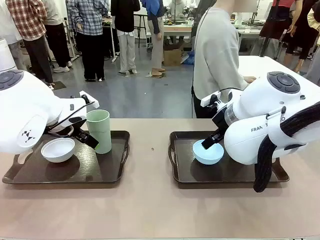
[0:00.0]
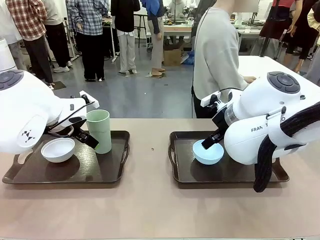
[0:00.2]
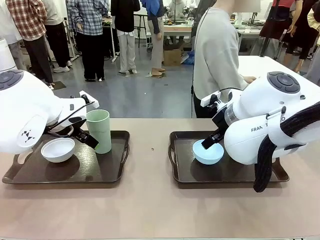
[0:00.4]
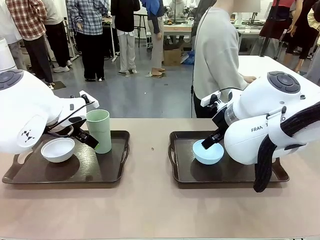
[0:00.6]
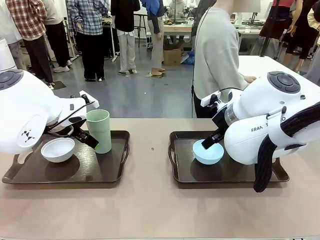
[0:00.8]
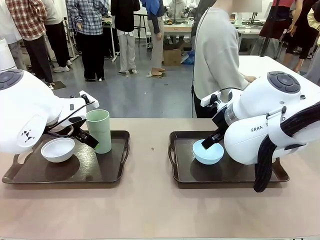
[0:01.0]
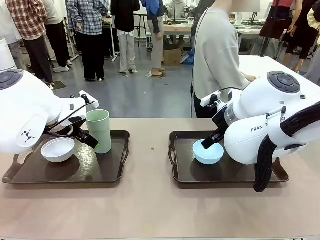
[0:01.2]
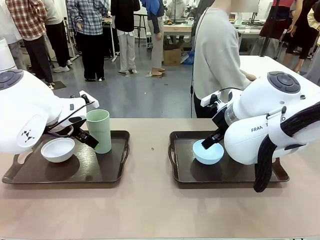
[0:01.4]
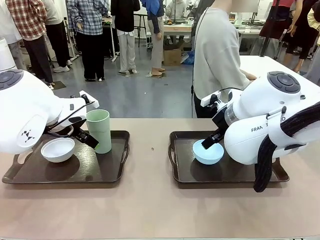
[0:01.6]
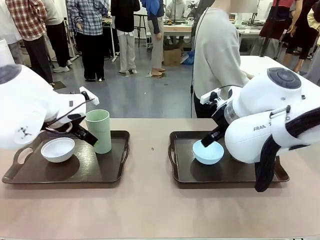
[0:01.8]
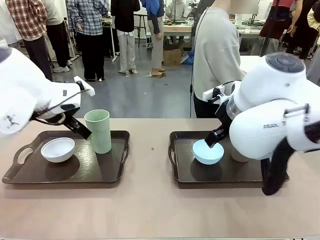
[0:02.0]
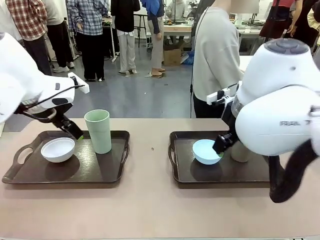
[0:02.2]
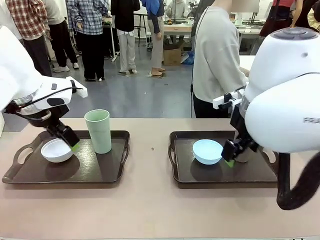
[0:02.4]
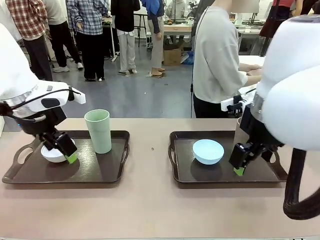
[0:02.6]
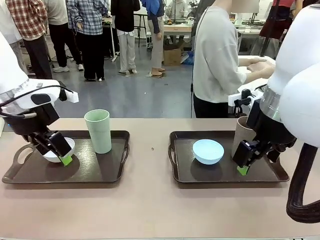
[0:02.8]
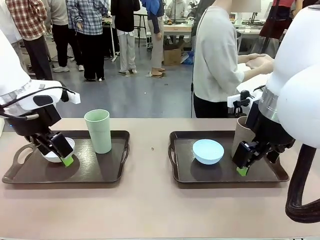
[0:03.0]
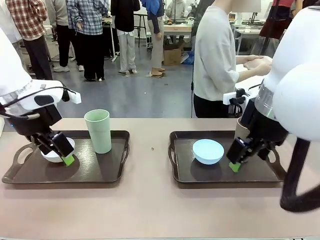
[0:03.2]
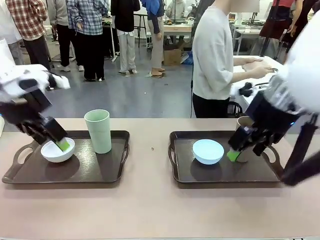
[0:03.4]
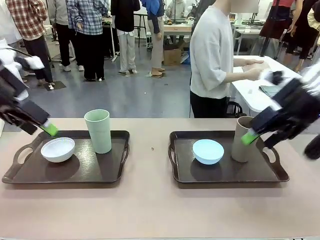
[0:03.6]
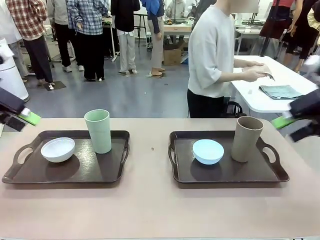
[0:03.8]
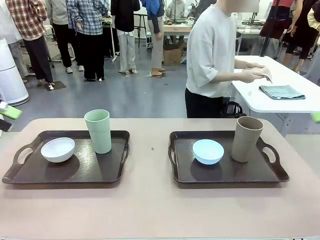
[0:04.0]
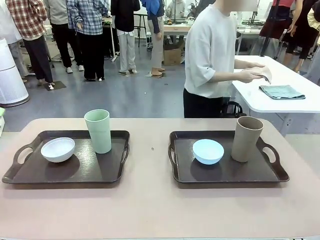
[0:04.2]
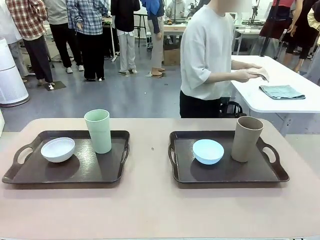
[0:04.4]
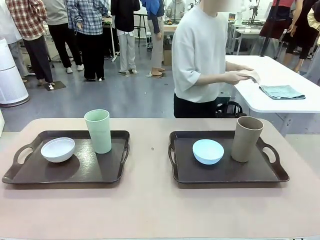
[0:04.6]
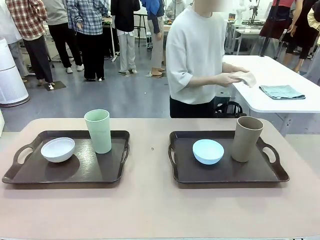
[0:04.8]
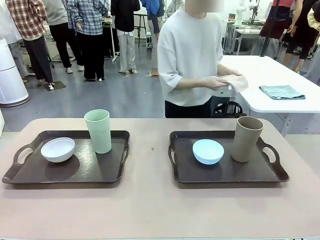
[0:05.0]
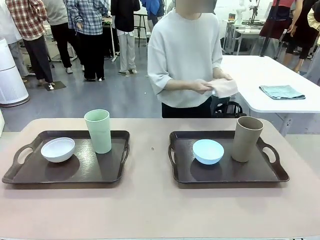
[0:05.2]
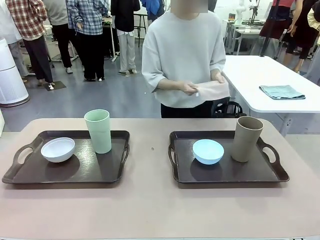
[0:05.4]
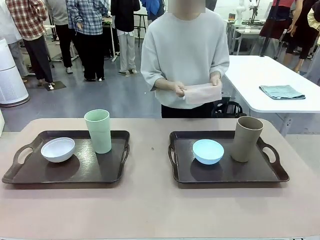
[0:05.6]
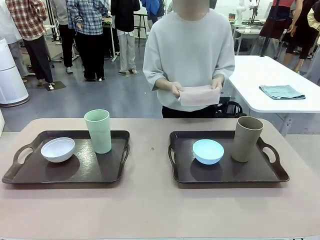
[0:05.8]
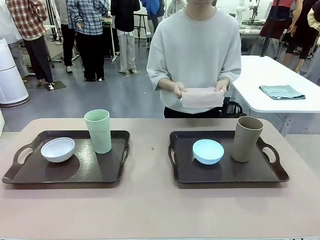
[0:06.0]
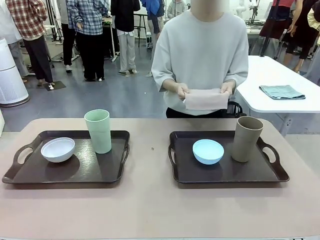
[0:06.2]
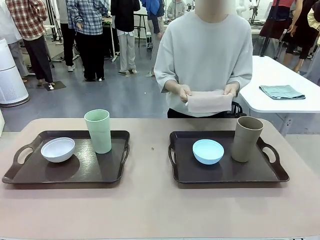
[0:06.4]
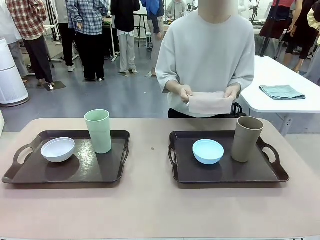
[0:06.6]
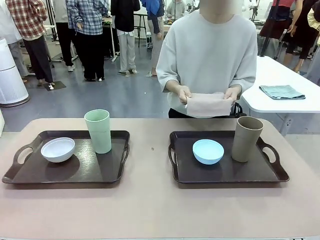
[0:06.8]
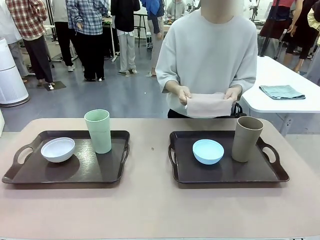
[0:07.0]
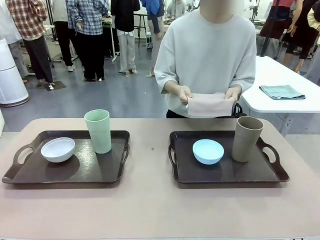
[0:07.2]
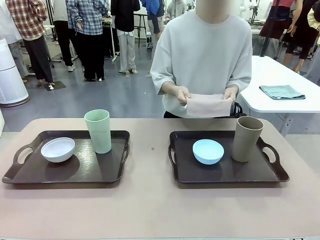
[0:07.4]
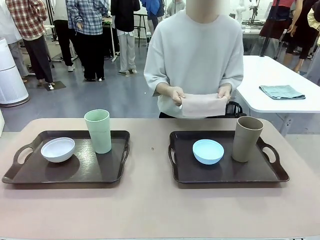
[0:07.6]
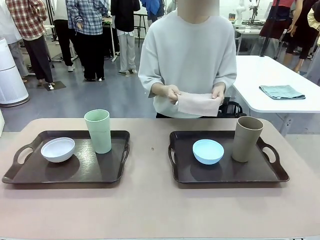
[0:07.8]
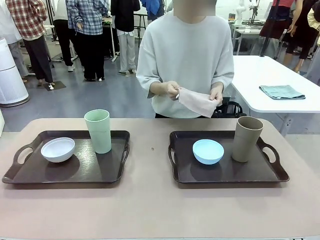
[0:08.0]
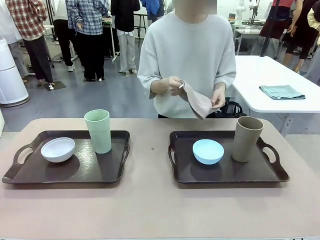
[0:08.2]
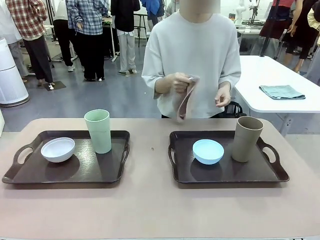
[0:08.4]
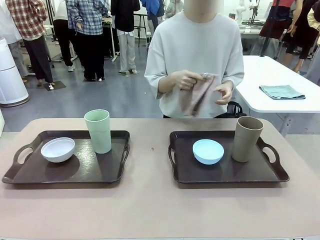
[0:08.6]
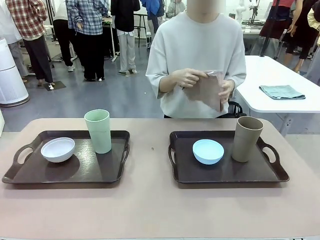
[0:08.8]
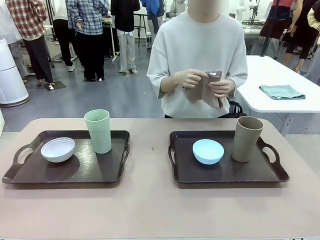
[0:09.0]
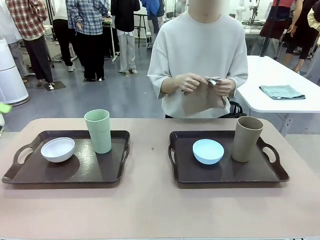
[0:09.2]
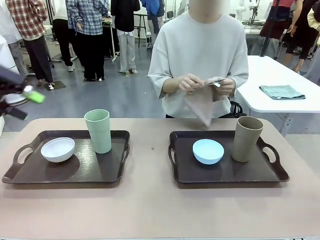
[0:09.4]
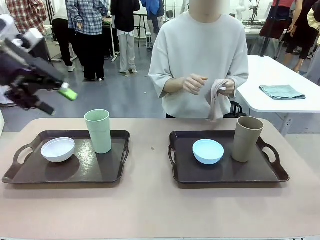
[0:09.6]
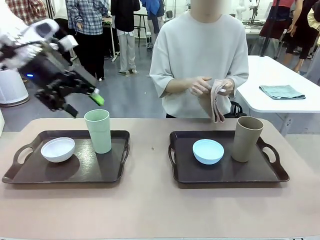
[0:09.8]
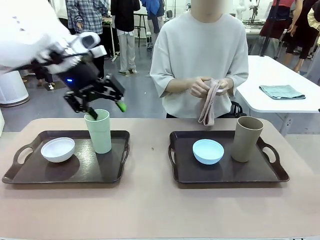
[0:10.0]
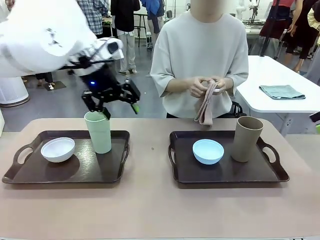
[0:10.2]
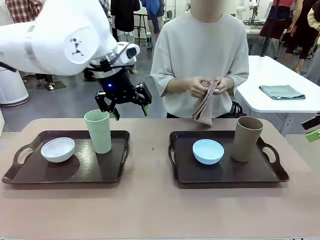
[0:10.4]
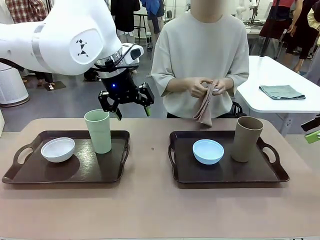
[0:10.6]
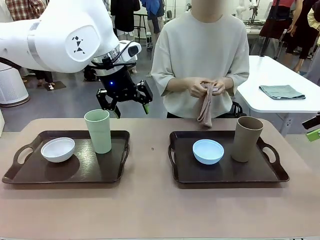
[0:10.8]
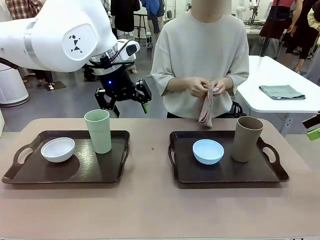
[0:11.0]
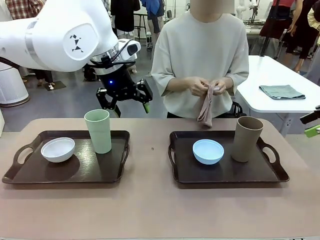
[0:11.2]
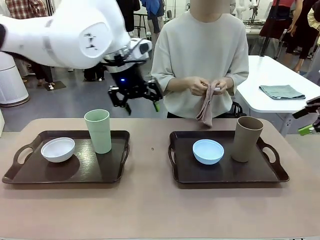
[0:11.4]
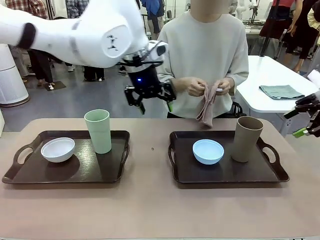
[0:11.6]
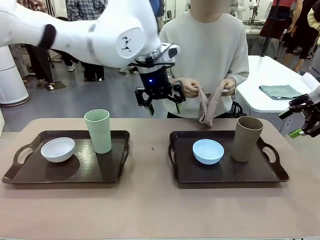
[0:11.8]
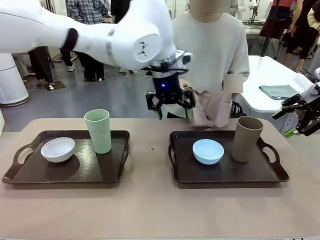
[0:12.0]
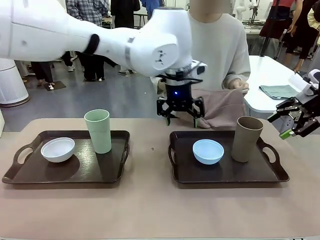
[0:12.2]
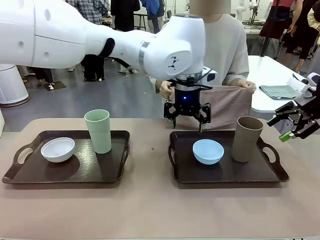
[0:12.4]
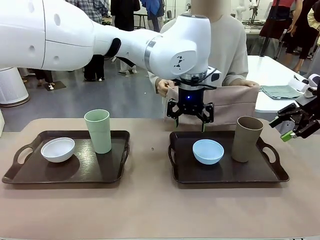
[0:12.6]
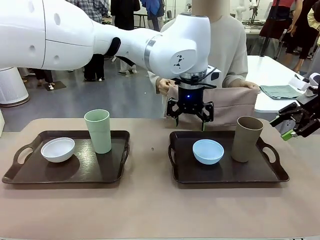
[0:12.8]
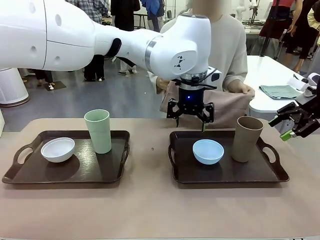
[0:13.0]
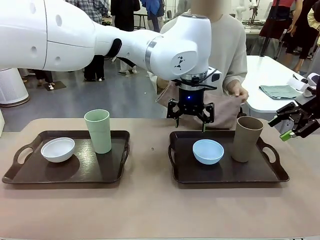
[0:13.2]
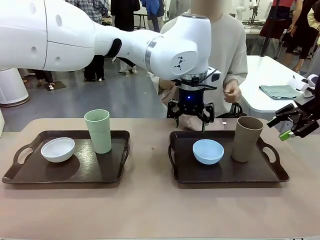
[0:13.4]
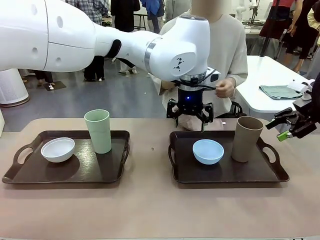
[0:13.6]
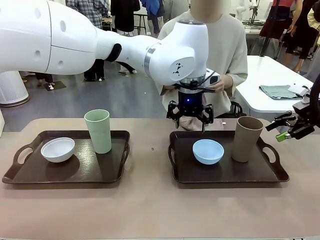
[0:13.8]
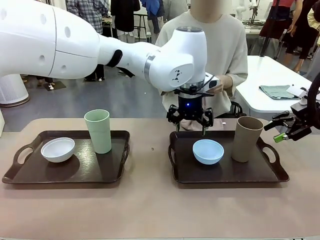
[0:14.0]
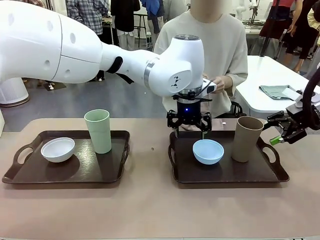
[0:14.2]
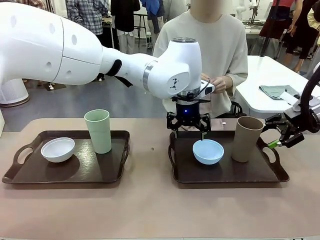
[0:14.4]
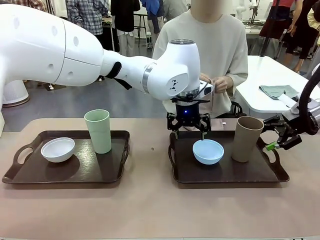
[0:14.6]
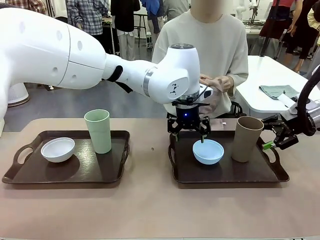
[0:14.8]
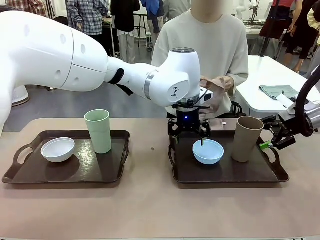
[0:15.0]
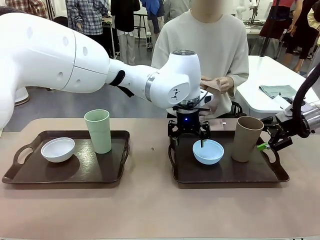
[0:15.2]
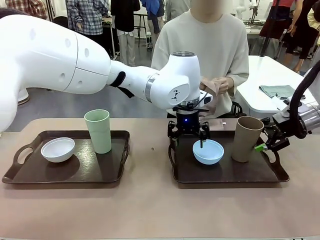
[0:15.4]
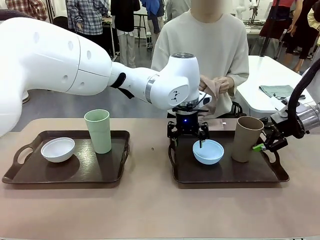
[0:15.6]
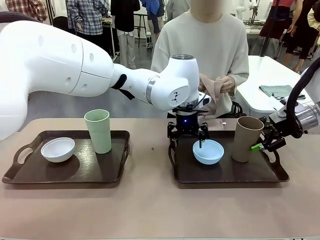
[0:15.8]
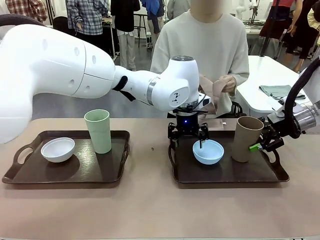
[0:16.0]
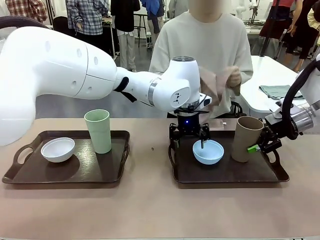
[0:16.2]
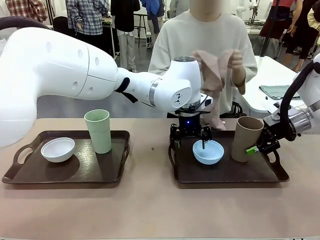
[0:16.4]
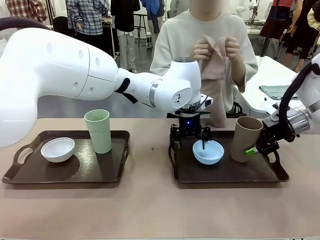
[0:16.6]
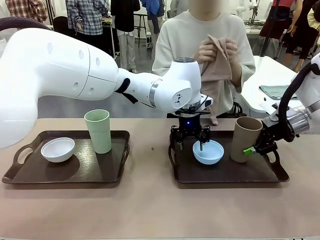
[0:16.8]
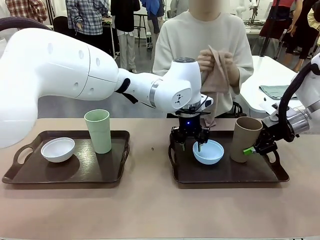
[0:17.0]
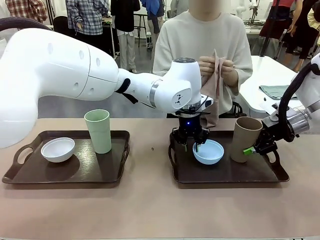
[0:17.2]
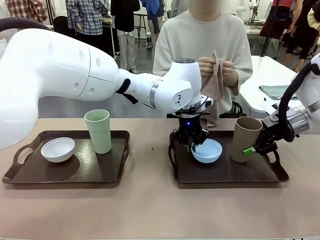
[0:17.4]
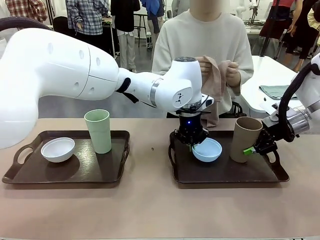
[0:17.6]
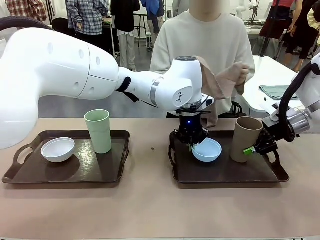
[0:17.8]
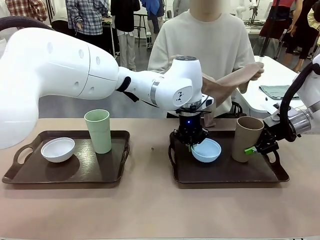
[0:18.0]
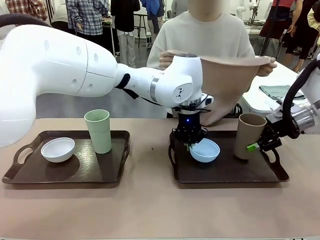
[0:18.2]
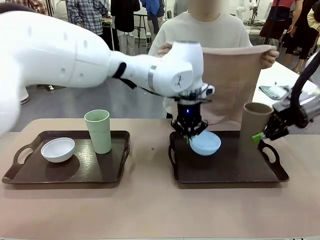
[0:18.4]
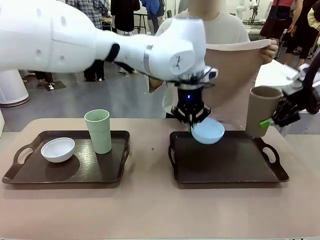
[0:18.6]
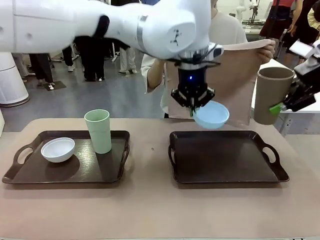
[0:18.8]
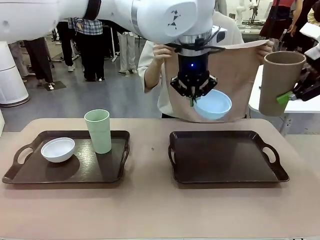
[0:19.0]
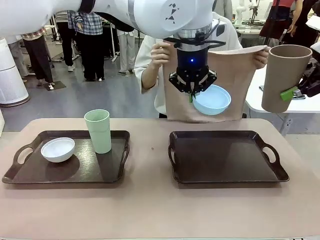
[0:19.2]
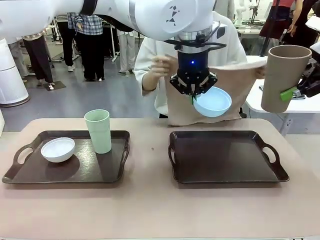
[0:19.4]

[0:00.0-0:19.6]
Robot: Pick up the Picnic Bowl and Reusable plastic cup from the Handle tray in front of the human's position and hold them in the air.
Person: The human picks up the top napkin from the stack on the human table and walks to the robot table to stand in front of one of the two trays. When the robot lifts the bowl and the cup, the human unfolds the napkin and lays the napkin flat on the tray.
